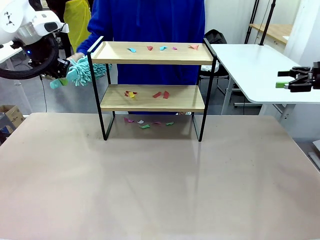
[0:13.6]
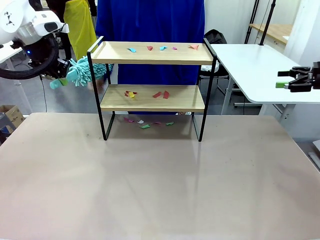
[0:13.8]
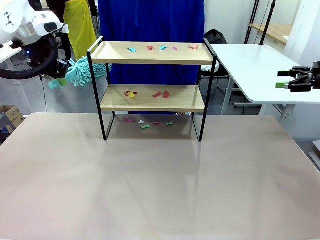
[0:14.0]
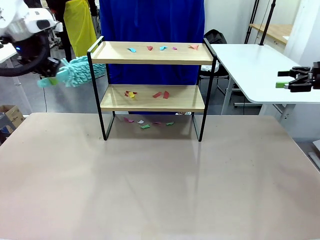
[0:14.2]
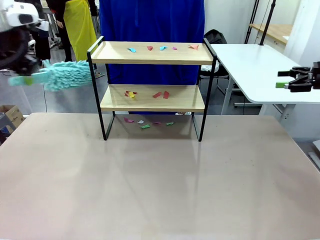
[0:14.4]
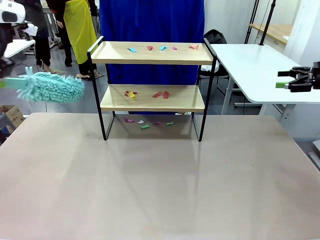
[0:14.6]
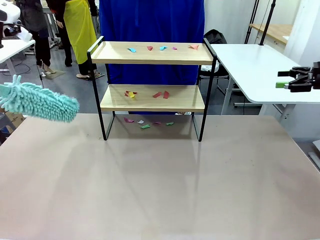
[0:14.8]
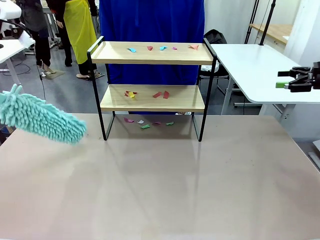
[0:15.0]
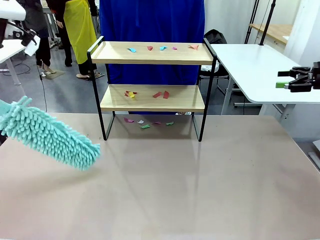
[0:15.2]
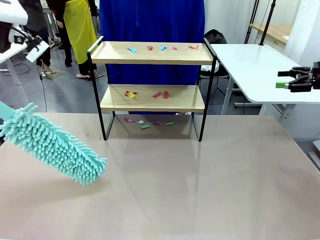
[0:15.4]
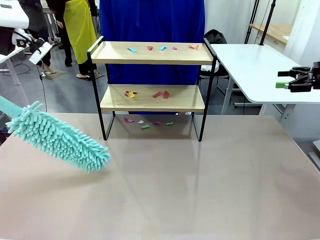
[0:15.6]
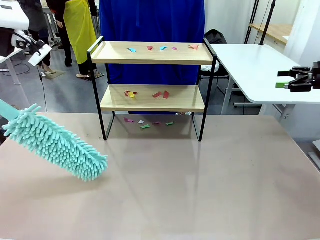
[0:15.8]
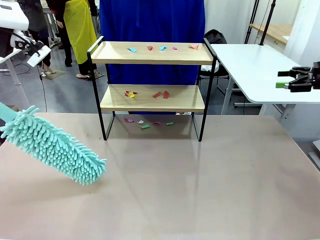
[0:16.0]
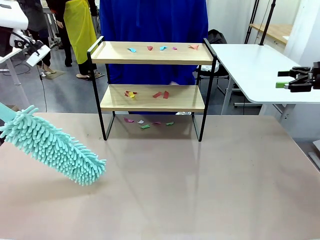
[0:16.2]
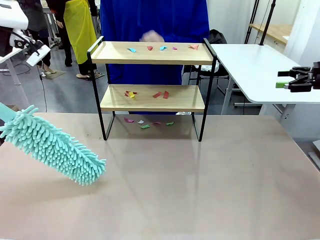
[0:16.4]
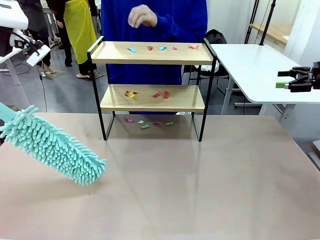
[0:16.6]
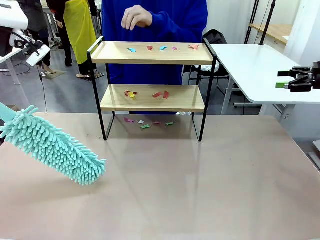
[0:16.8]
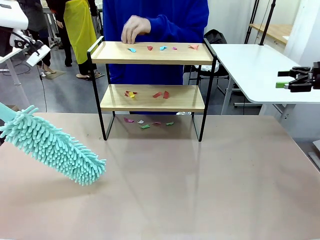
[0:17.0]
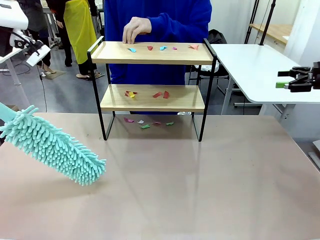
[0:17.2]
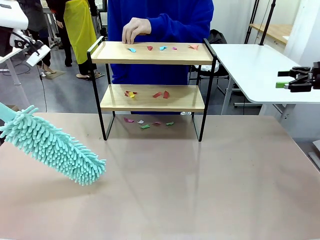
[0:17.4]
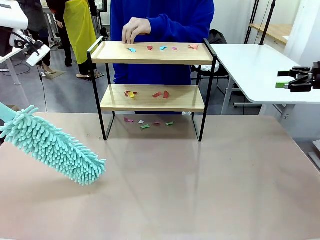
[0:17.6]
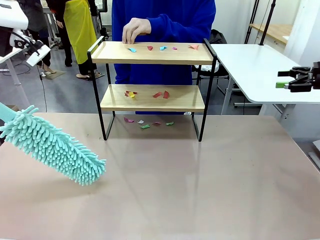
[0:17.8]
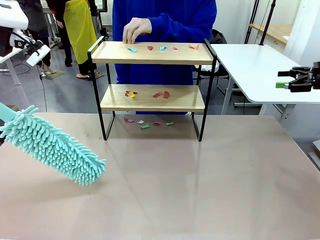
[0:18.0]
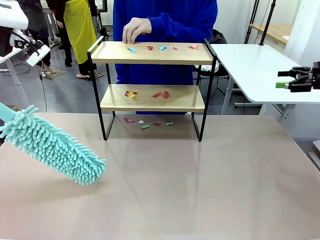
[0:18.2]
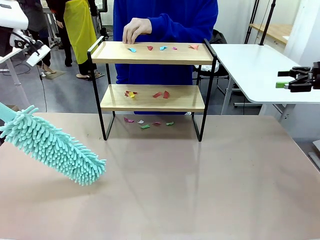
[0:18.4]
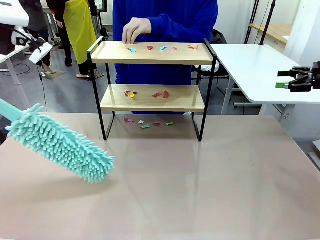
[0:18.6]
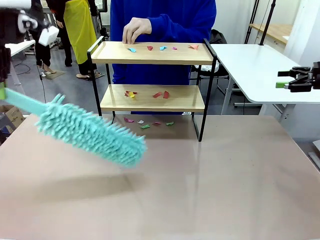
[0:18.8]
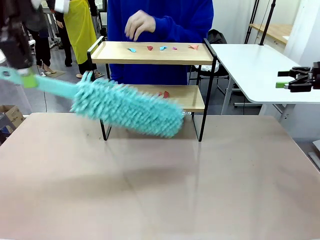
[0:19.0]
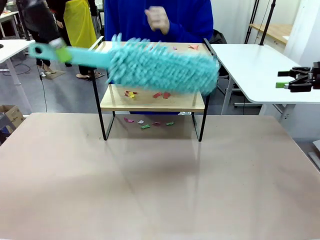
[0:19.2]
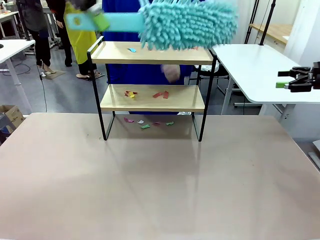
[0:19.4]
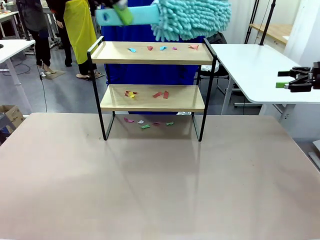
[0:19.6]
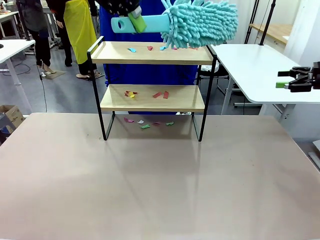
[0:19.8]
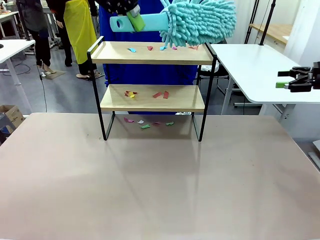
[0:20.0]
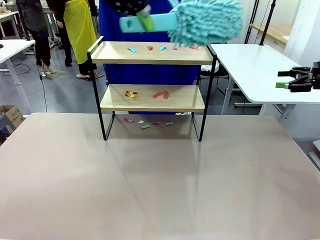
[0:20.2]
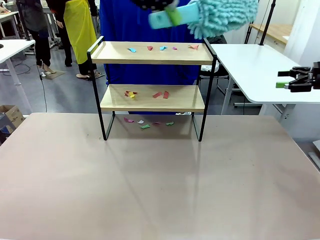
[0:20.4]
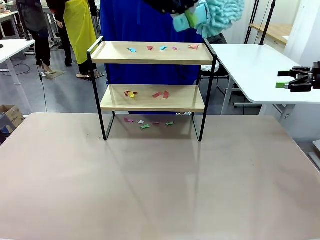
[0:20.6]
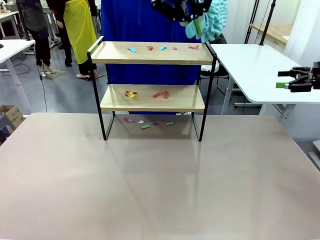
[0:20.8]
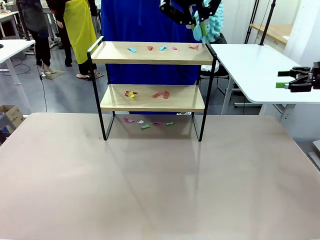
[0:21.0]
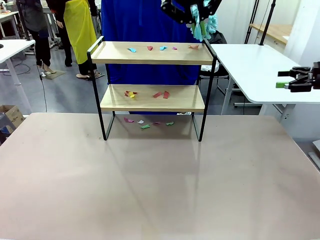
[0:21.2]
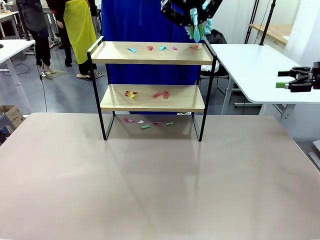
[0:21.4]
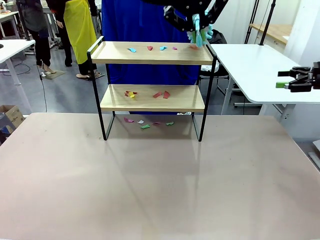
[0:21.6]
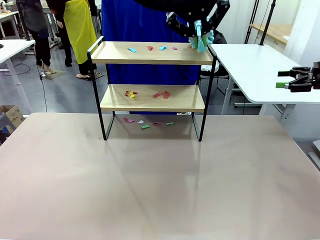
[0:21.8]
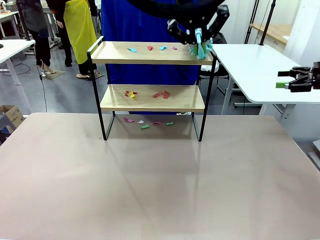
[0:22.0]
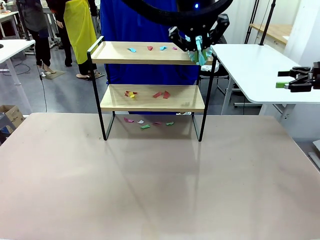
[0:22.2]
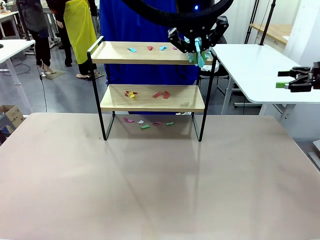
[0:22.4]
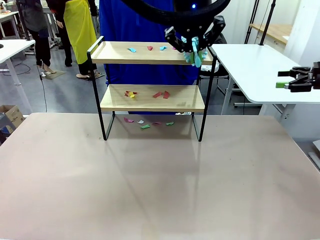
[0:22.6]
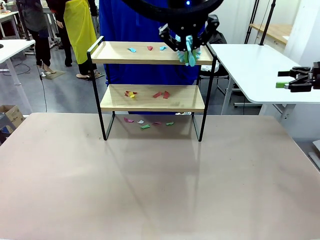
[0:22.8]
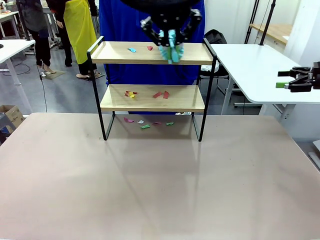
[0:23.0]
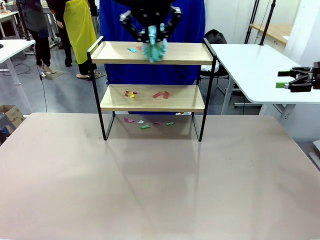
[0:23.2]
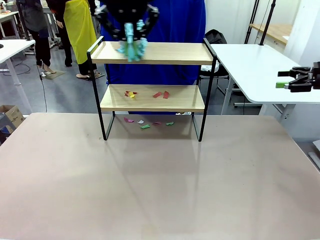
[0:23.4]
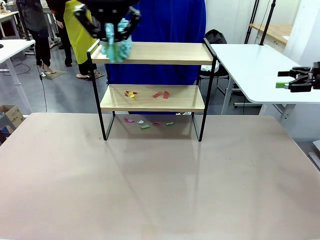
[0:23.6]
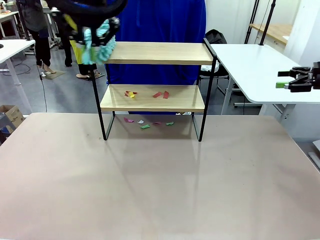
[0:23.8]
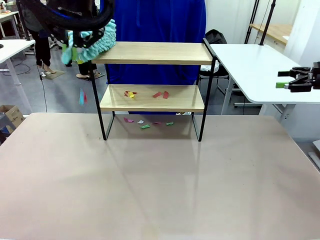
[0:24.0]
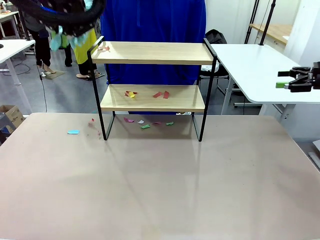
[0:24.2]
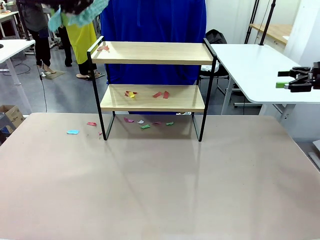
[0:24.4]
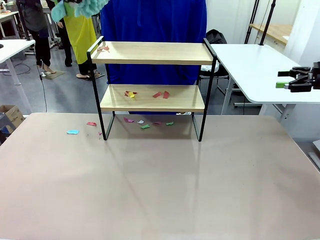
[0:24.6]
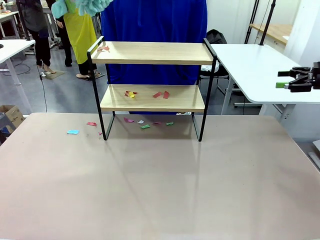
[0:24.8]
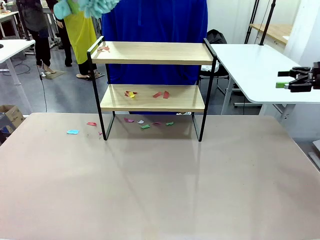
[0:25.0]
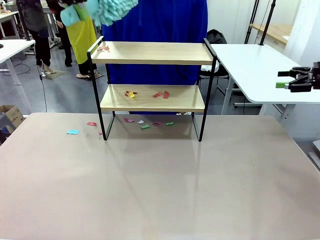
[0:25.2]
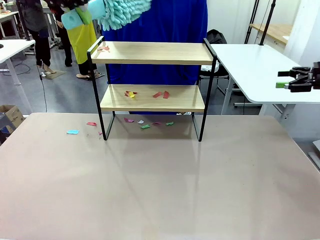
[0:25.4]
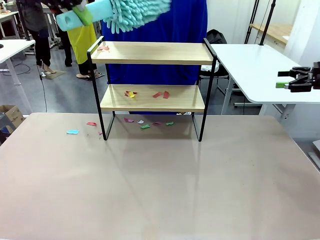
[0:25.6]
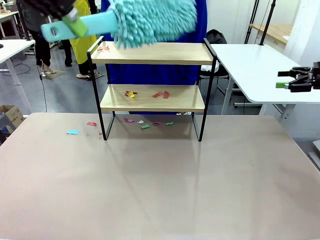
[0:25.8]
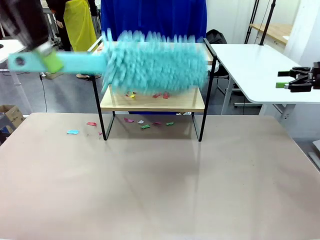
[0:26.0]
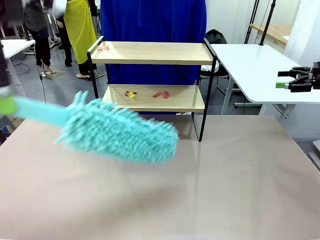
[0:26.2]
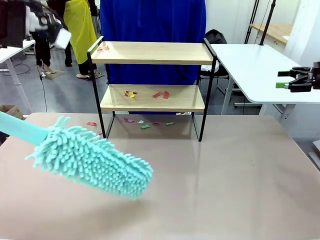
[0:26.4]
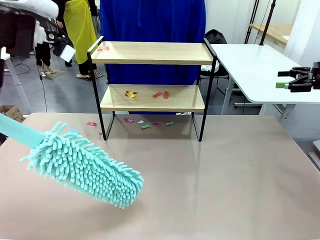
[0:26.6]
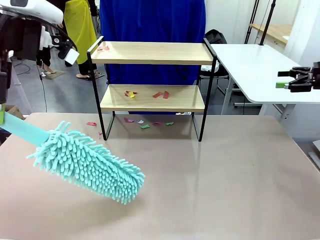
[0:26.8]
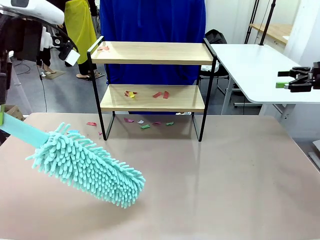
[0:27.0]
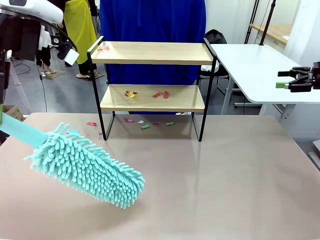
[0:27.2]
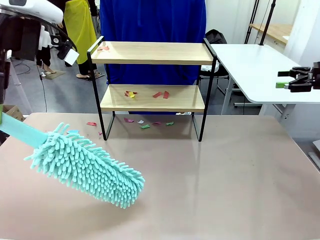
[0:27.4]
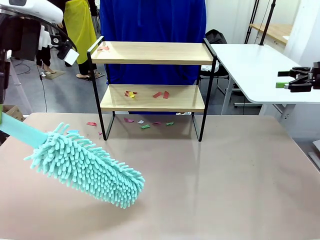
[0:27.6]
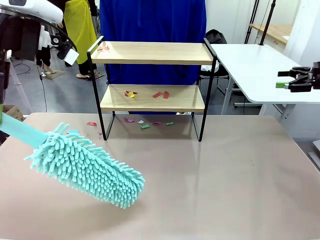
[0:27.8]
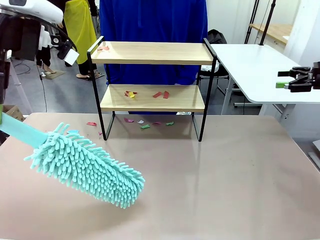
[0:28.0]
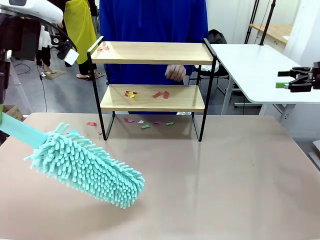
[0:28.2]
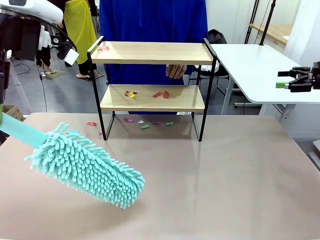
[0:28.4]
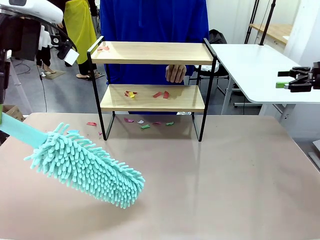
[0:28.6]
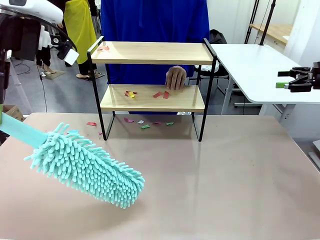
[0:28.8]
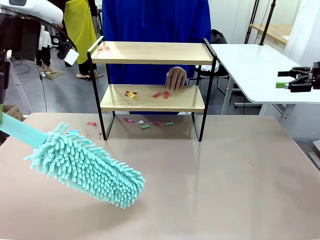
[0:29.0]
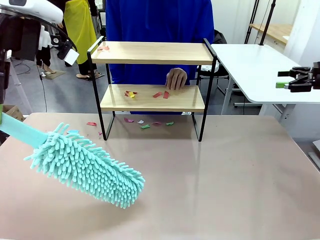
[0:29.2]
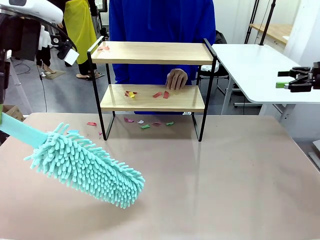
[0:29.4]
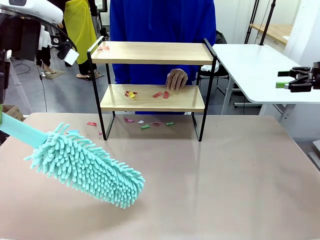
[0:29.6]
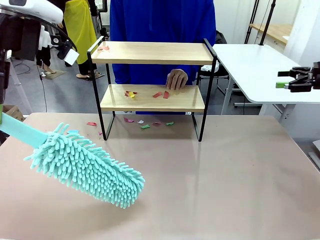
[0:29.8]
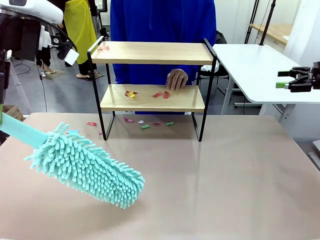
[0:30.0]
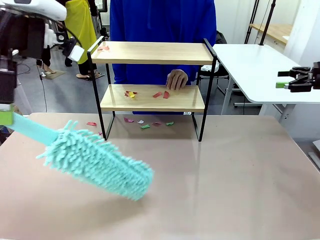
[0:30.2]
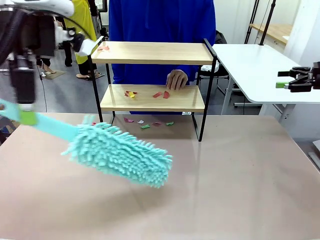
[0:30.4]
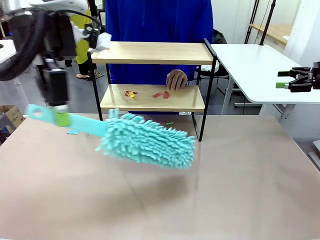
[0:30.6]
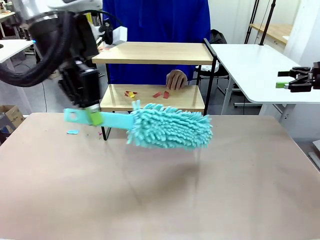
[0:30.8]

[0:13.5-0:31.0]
Task: Clean the shelf.
Robot: Clean the specific section of the Shelf indicated by the human with the Duster.
Person: Point a random section of the Shelf.
